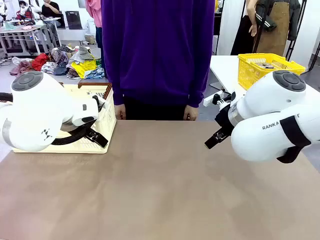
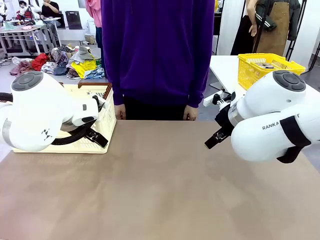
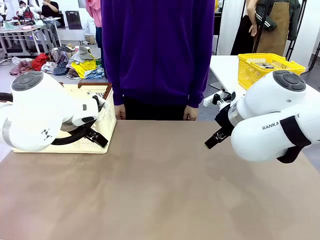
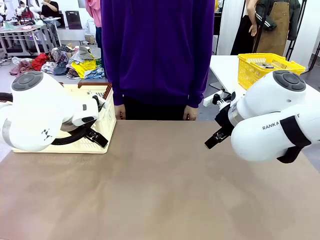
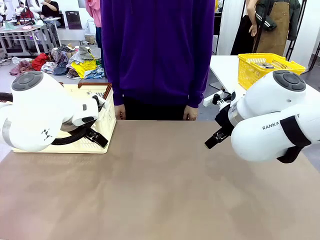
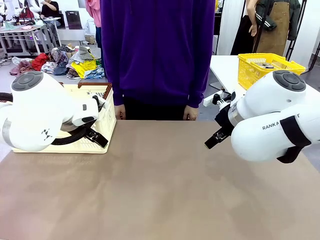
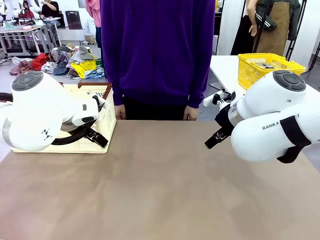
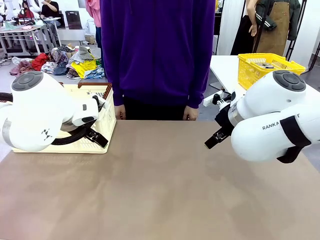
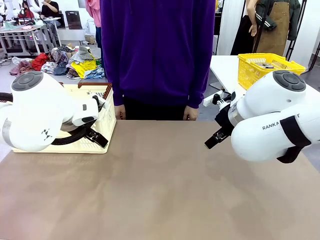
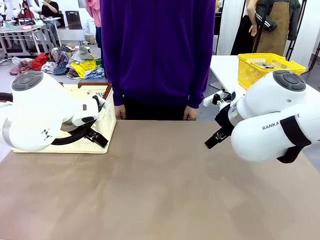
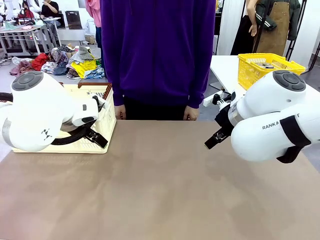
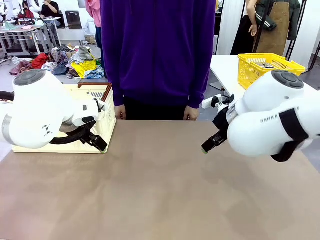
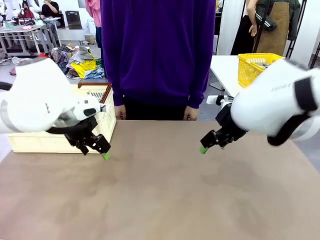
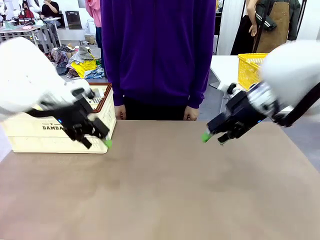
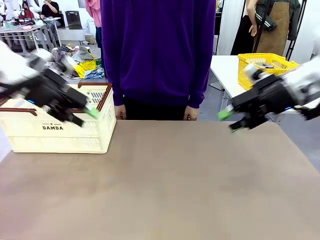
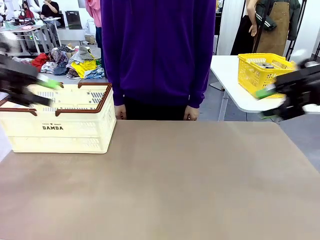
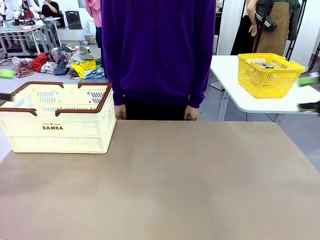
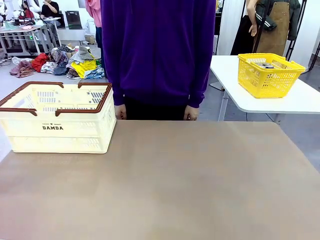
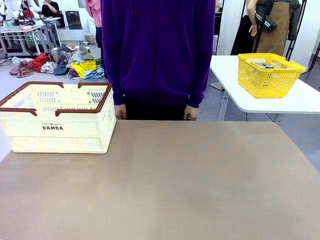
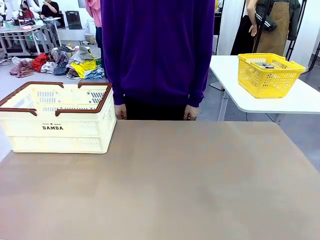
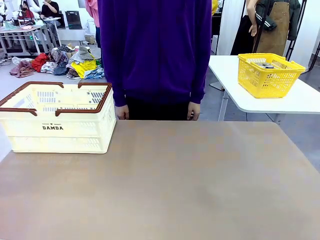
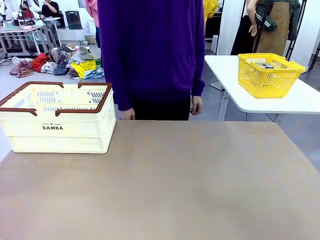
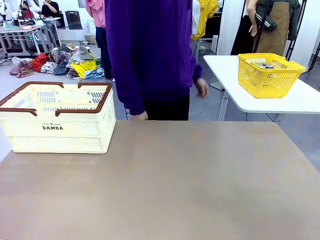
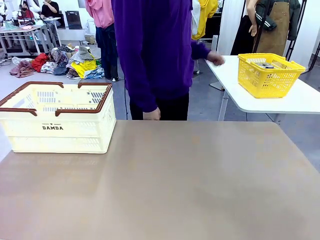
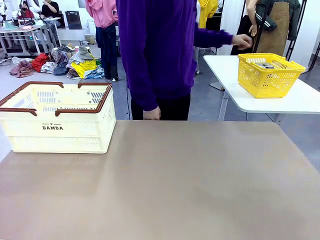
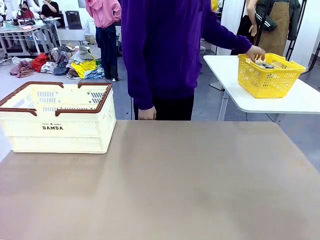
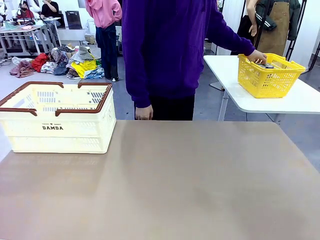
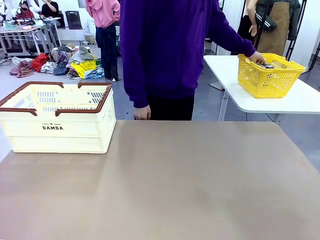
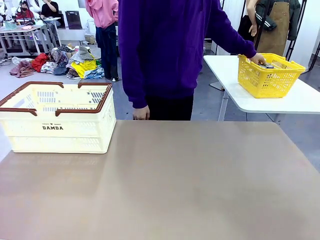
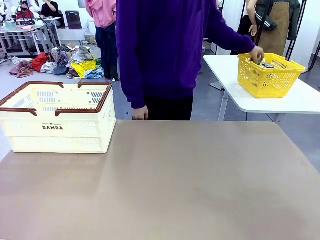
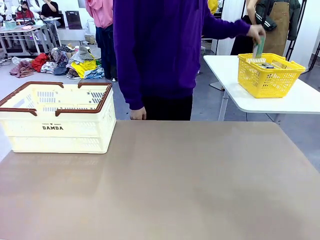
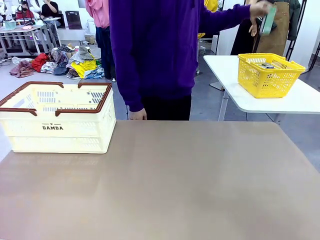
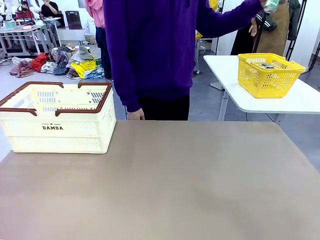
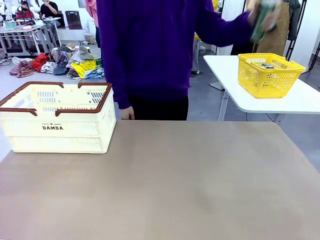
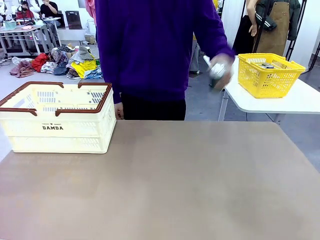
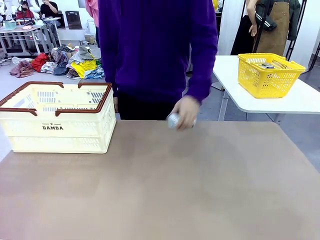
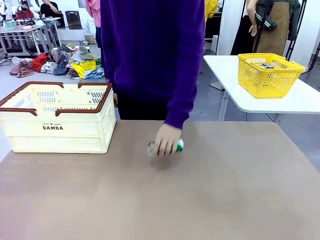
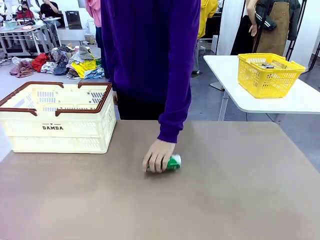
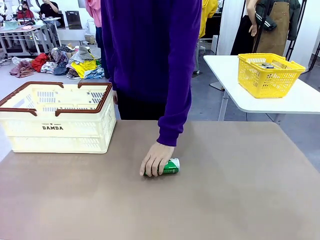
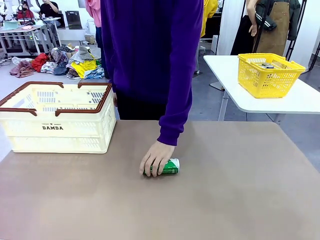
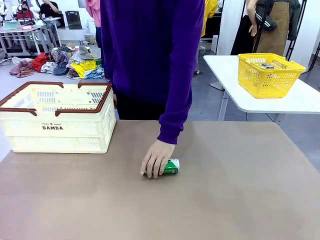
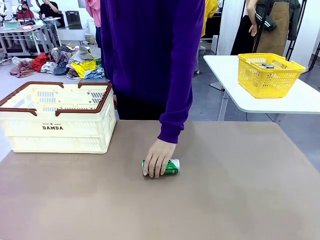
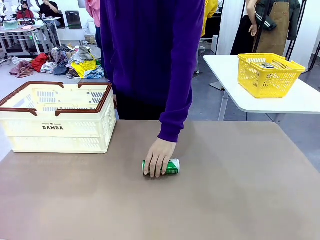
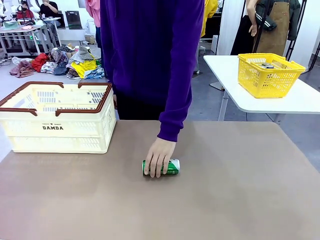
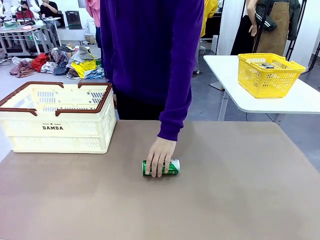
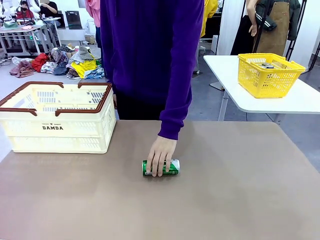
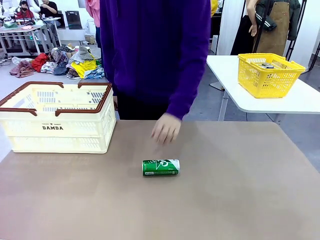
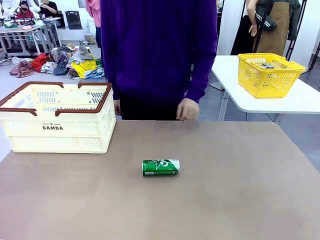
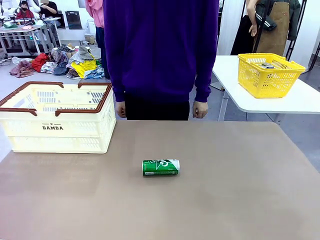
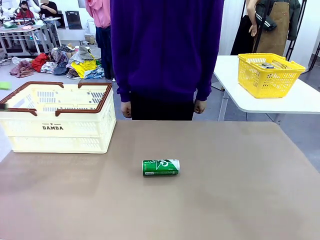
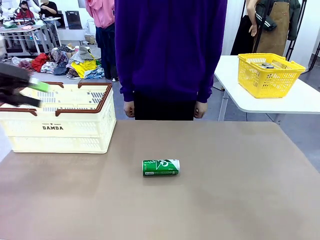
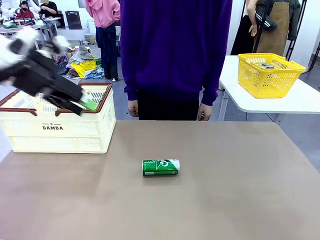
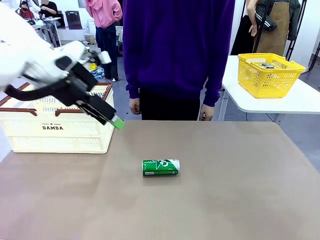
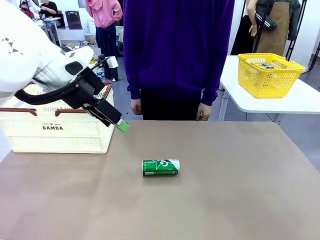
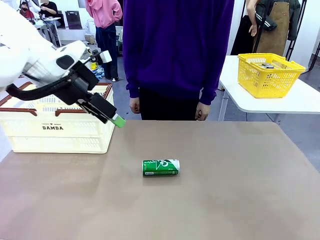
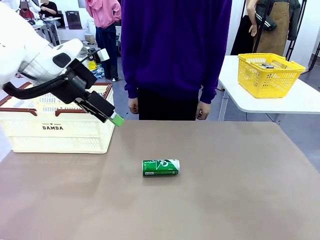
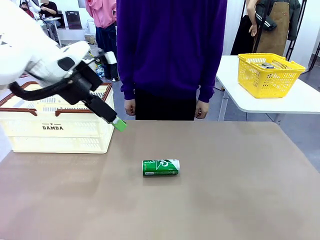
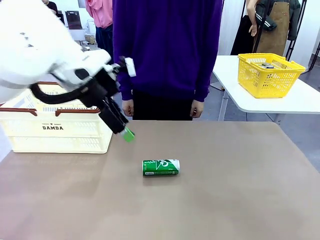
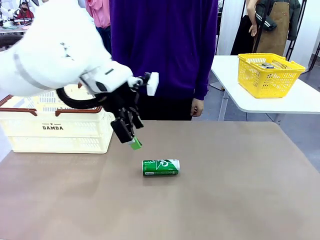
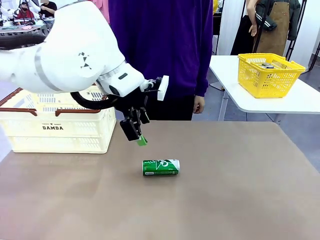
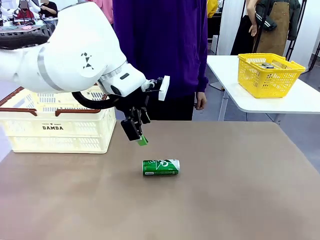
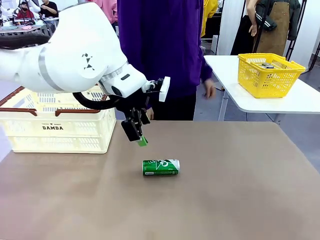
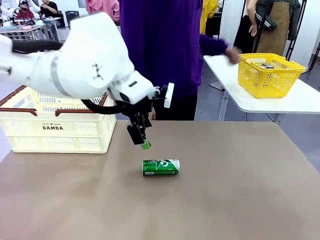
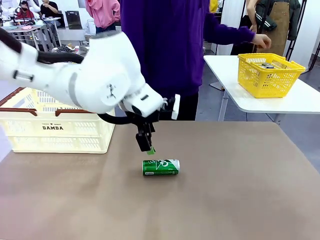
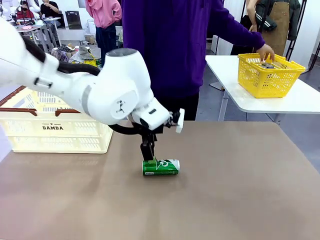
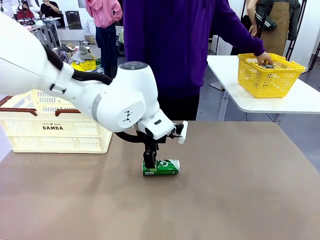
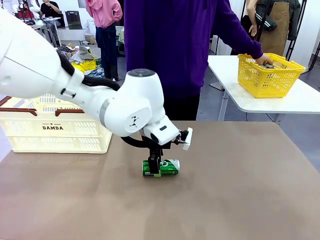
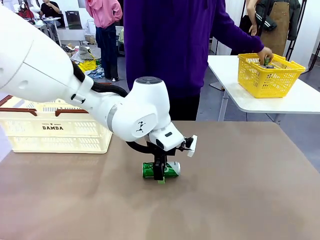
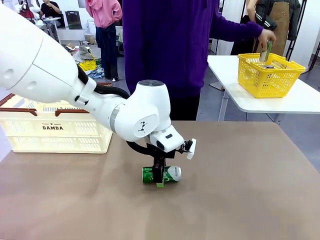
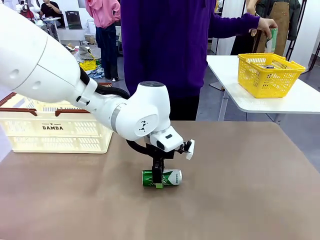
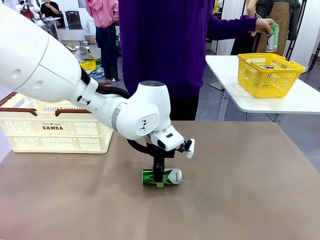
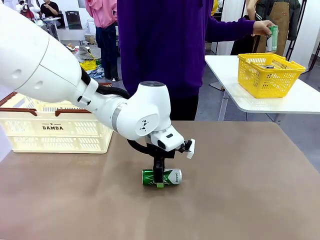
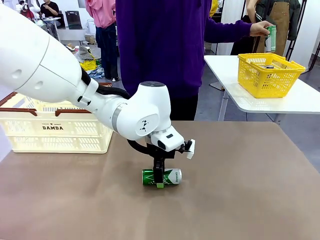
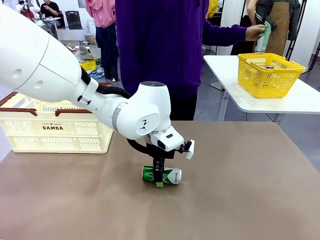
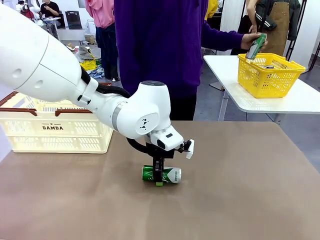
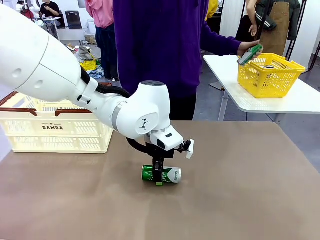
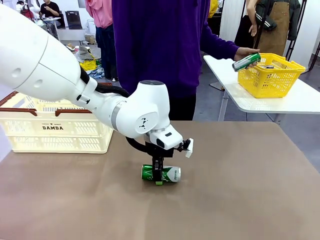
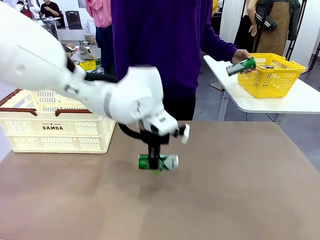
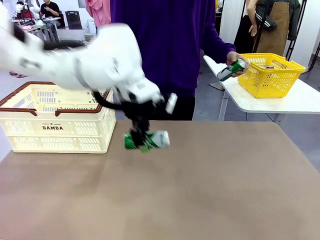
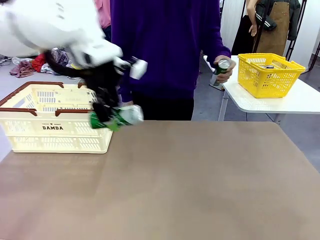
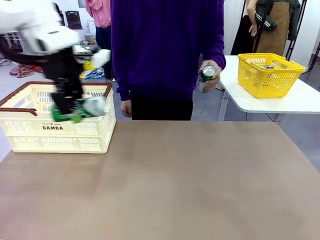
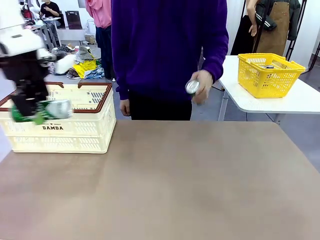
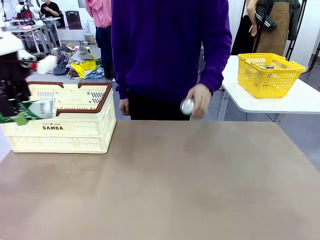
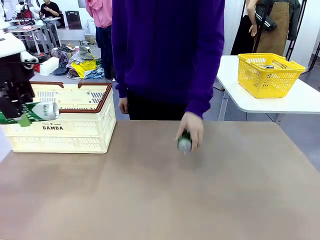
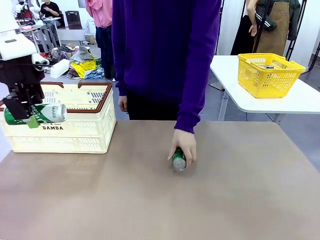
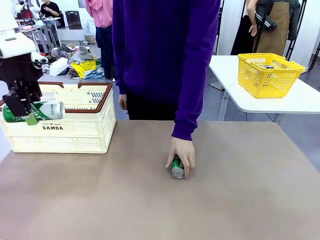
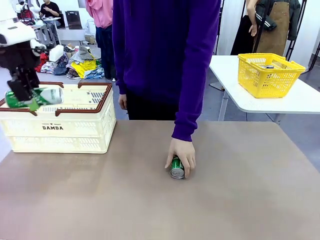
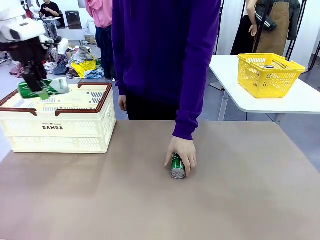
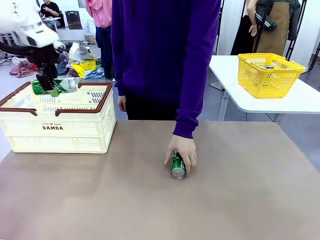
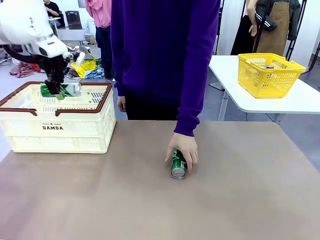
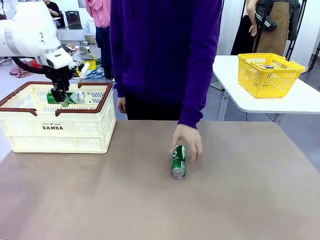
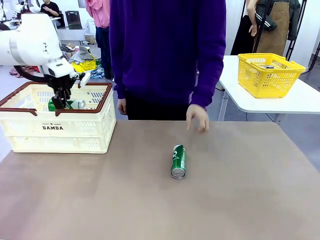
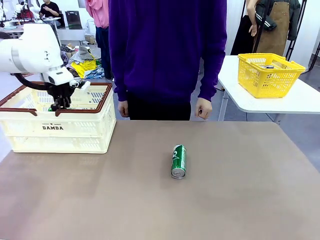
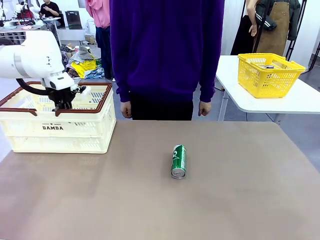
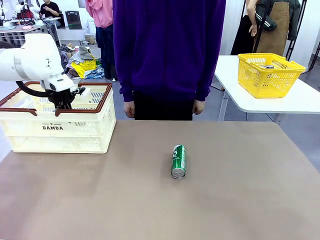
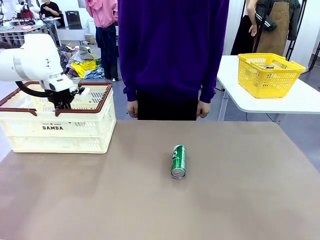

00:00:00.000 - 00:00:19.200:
Task: Place the drinks into the Shopping basket.
Robot: Pick up one drink and place it into the Shopping basket.
